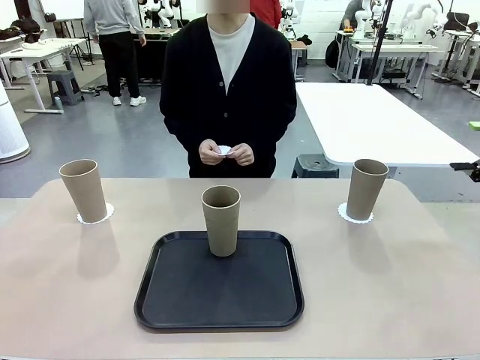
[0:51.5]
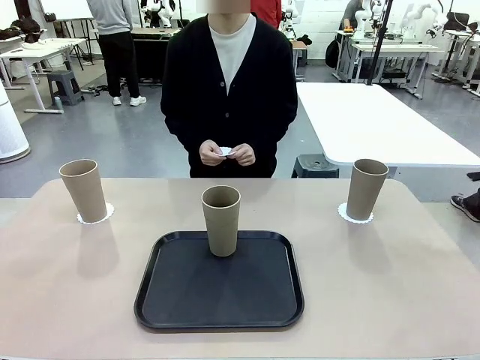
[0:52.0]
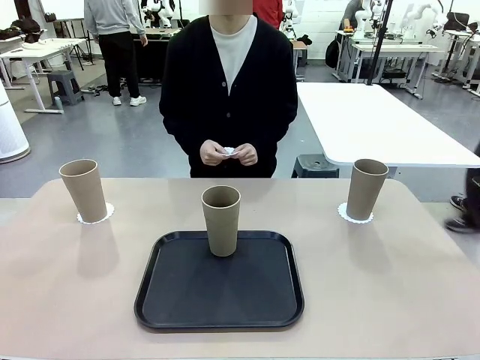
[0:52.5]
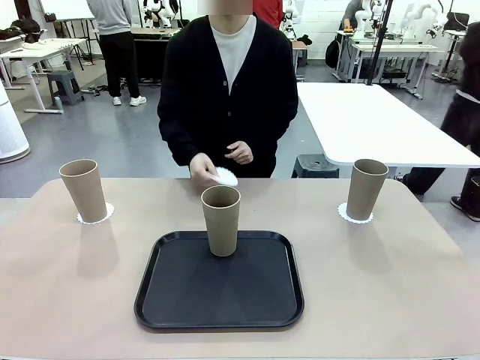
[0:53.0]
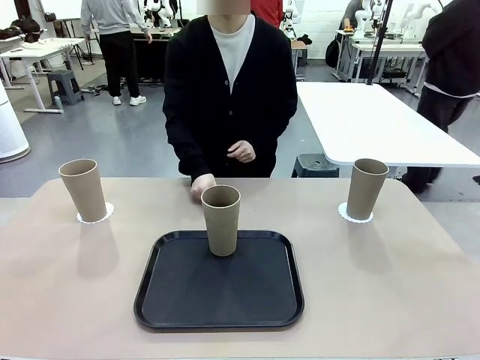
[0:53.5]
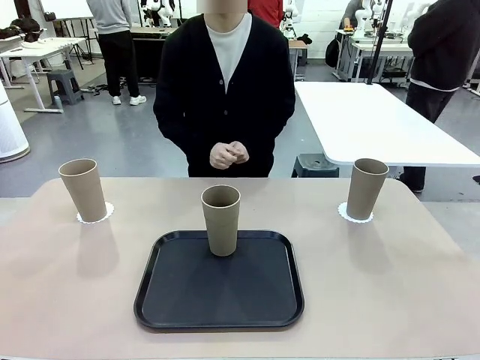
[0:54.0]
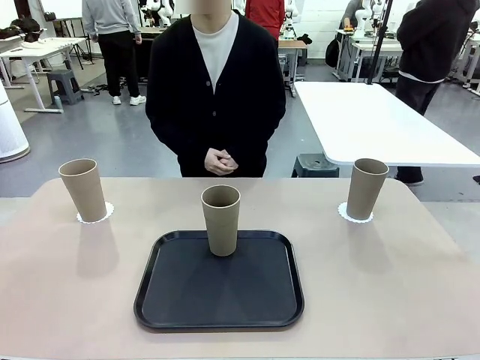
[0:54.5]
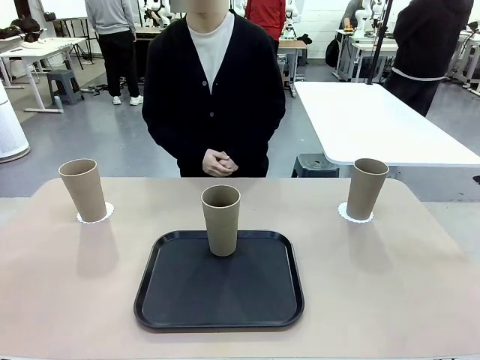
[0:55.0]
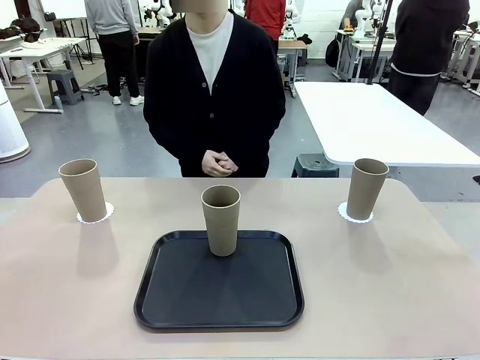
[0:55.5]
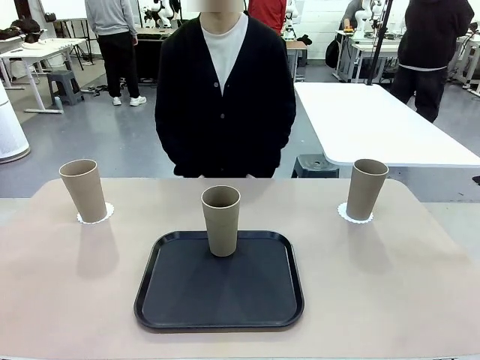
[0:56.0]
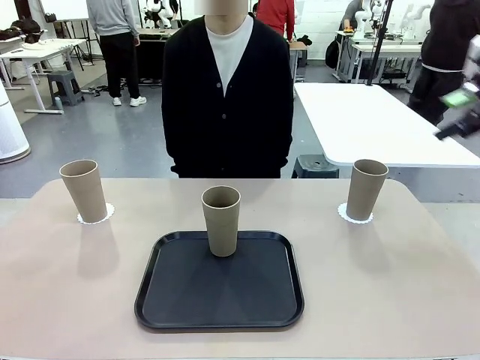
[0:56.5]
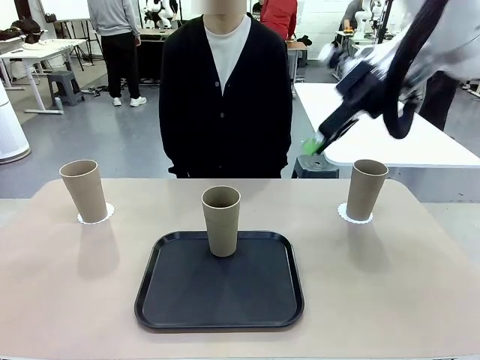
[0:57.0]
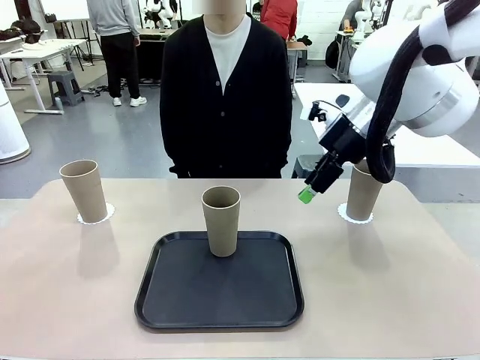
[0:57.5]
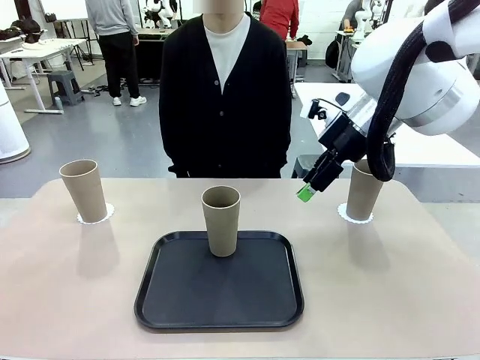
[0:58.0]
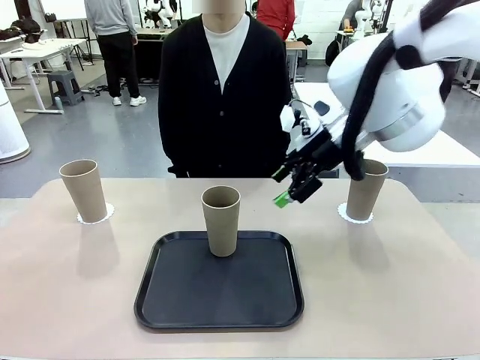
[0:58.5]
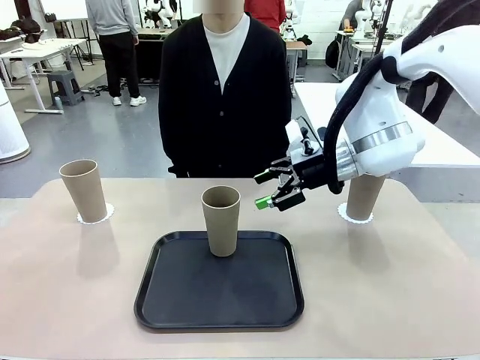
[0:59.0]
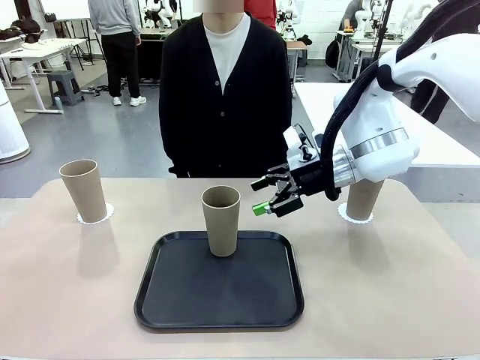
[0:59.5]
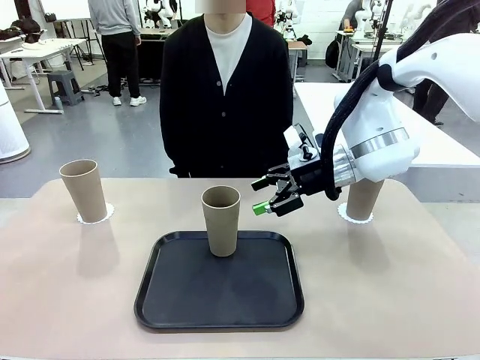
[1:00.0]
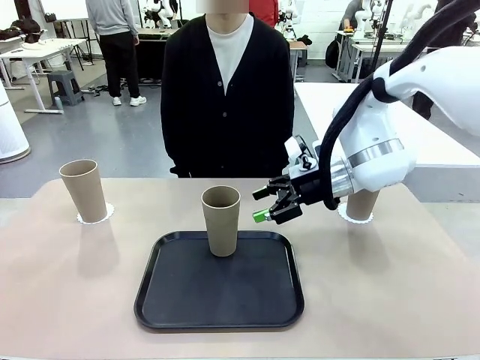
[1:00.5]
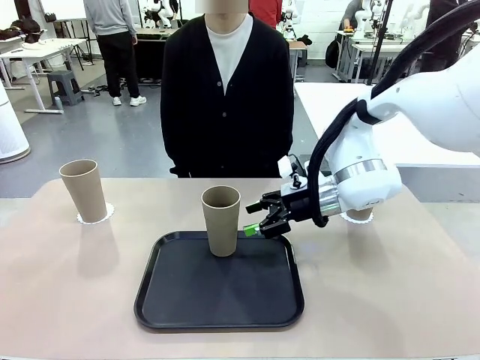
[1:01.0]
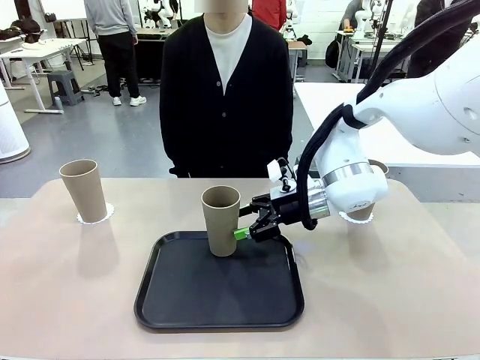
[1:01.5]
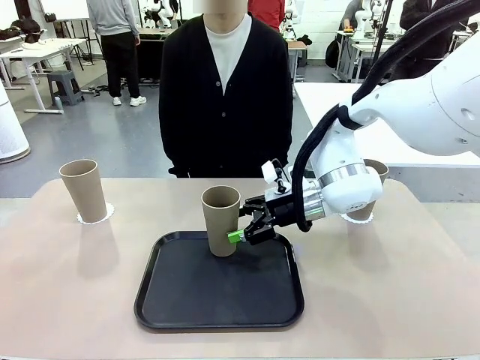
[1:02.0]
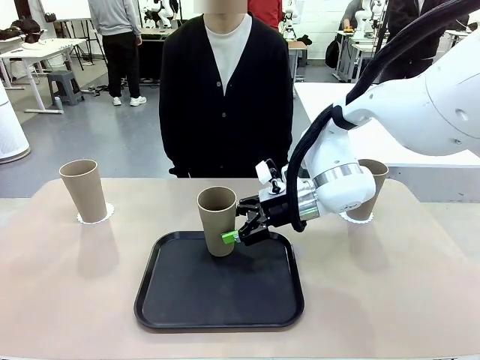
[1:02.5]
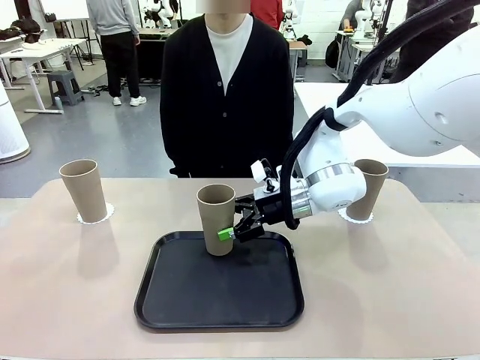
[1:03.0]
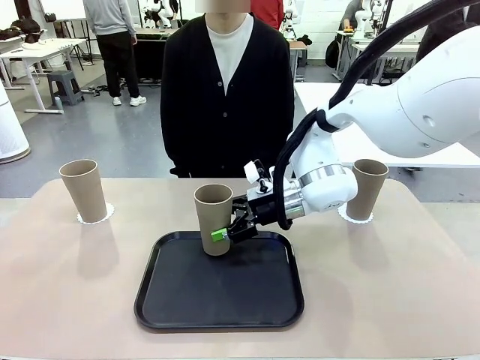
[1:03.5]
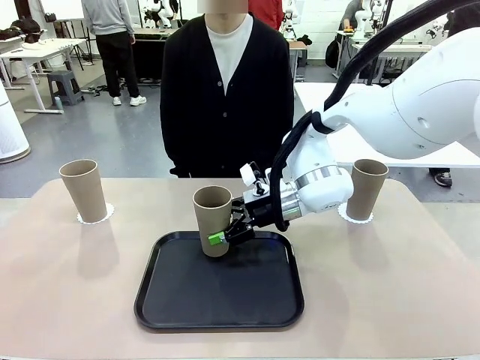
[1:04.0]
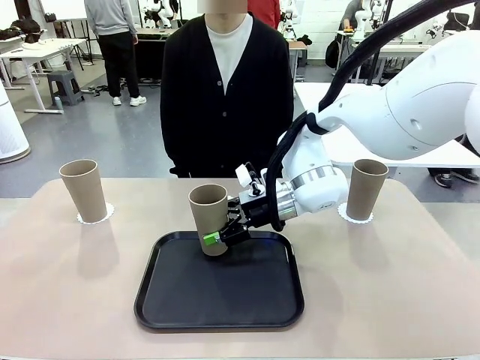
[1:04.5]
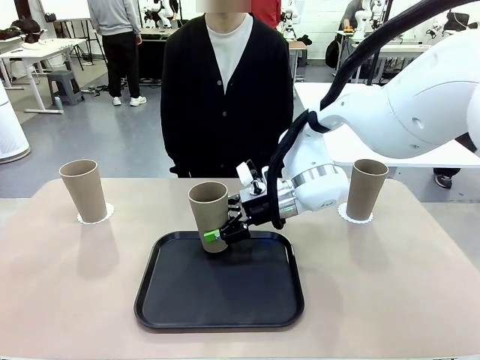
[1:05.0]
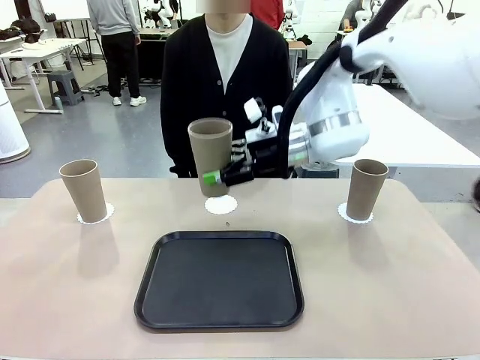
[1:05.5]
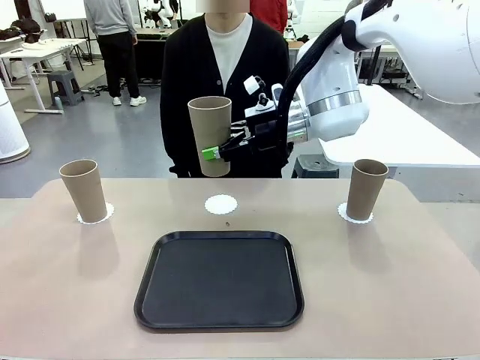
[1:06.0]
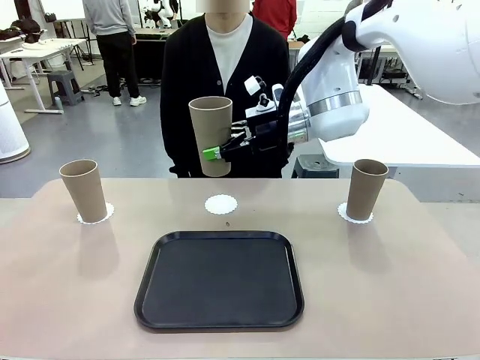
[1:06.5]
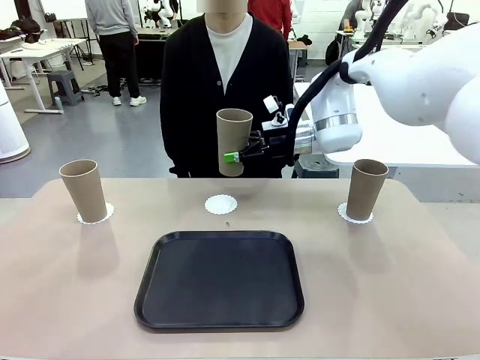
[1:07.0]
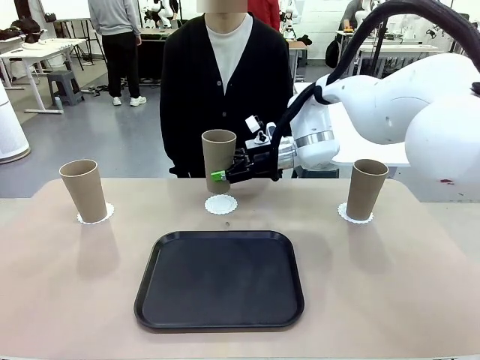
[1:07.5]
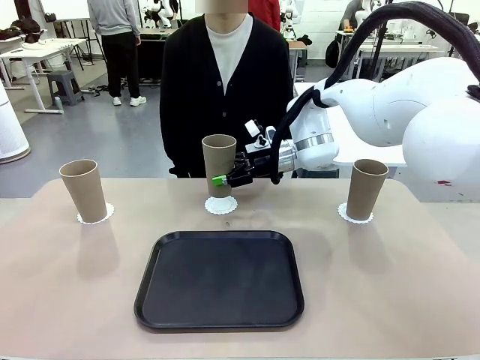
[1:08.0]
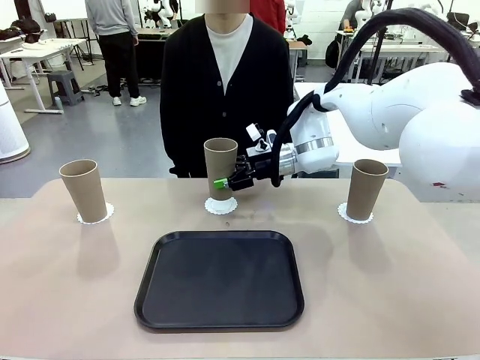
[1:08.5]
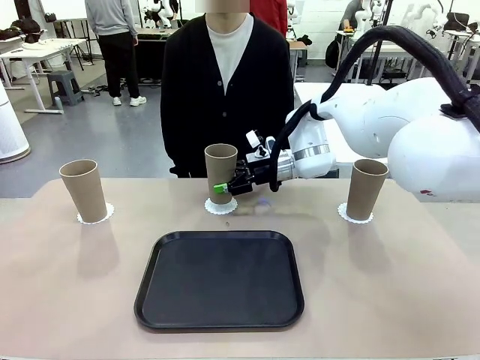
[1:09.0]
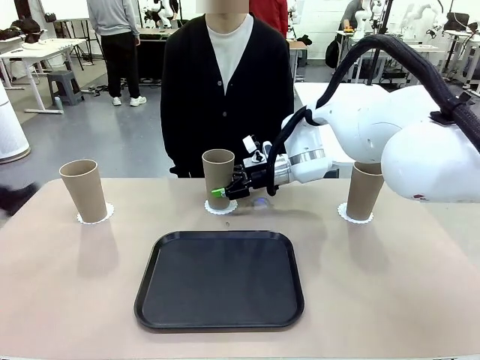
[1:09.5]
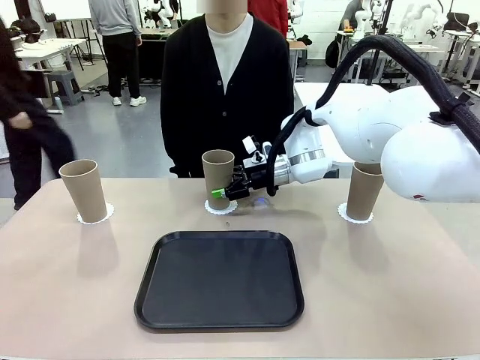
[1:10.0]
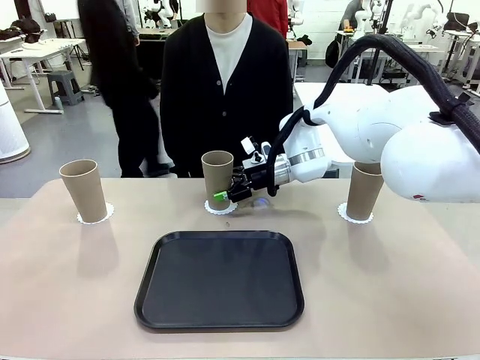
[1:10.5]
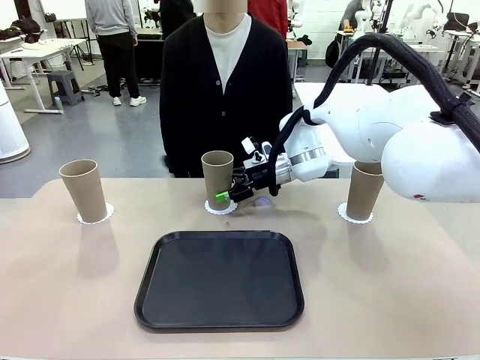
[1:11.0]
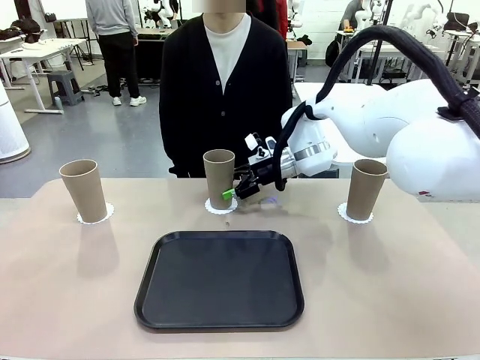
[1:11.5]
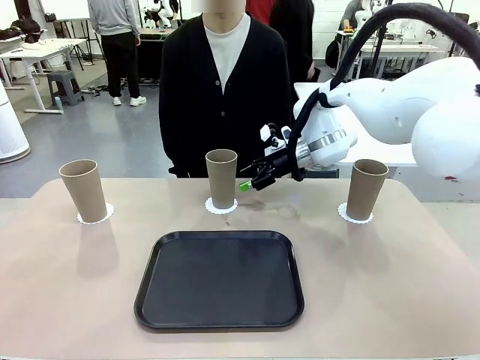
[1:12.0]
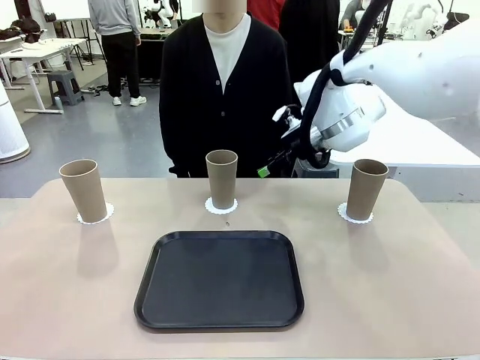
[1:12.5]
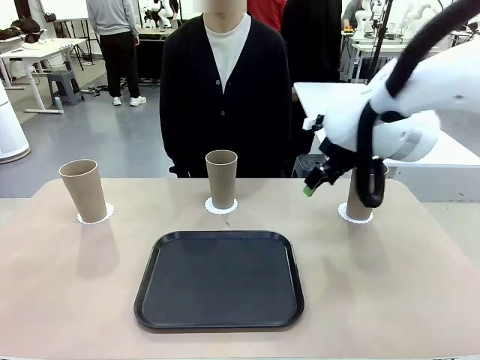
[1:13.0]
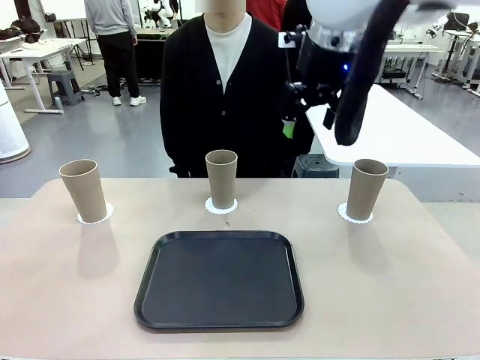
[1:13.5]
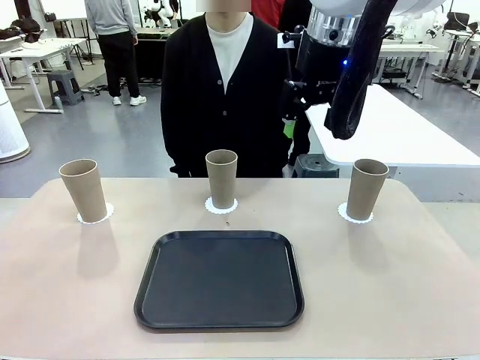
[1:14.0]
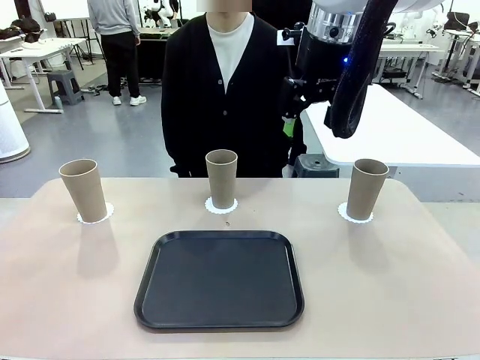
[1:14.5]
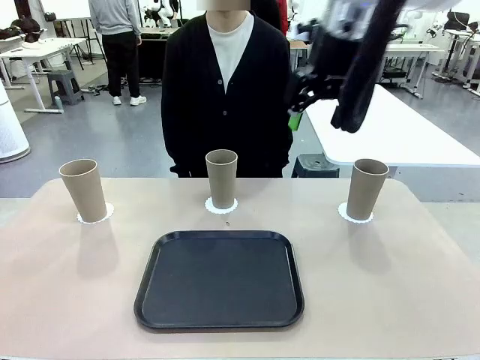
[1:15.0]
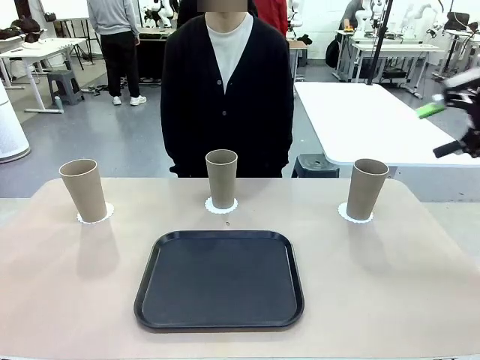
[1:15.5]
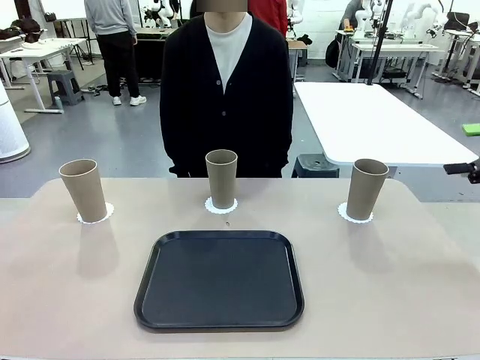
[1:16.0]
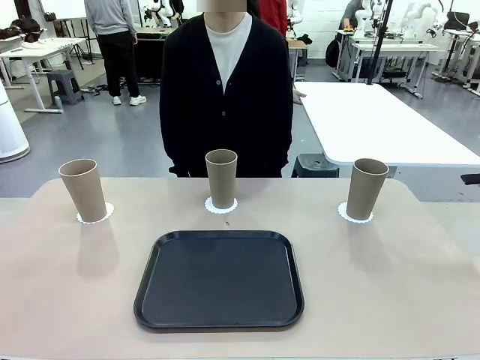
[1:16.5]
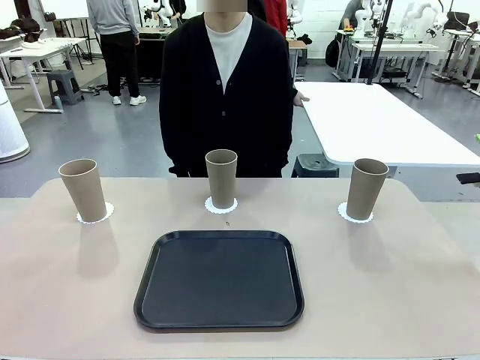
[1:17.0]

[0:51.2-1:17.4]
Task: Place coasters on the table and set cups on them.
Robot: Take one Reusable plastic cup from the Flat Tray and place it on a coaster set by the human.
Person: Place one coaster in the only remaining area.
